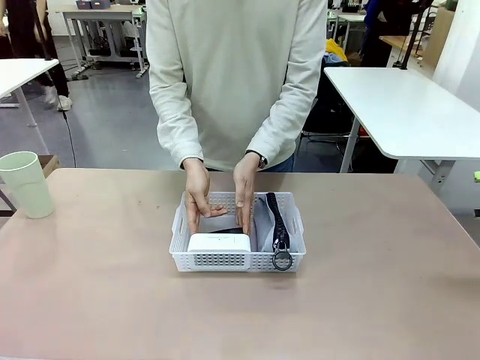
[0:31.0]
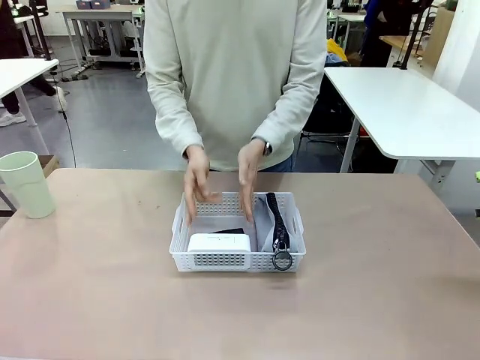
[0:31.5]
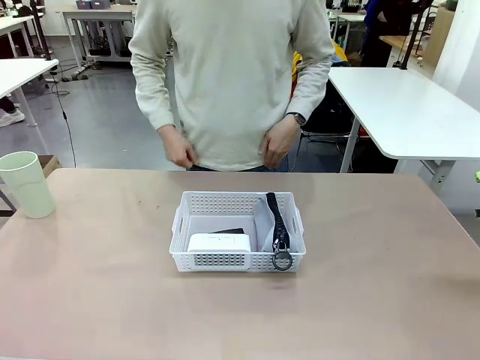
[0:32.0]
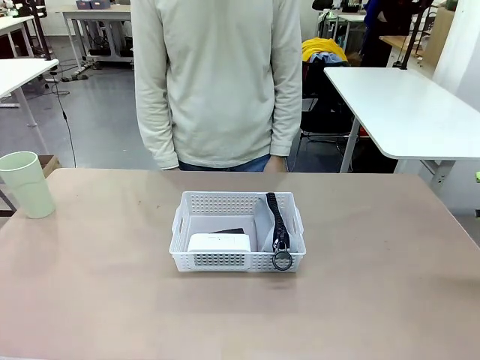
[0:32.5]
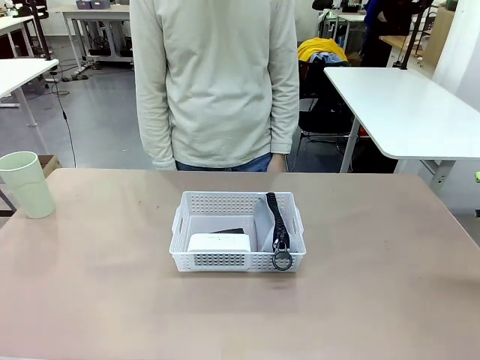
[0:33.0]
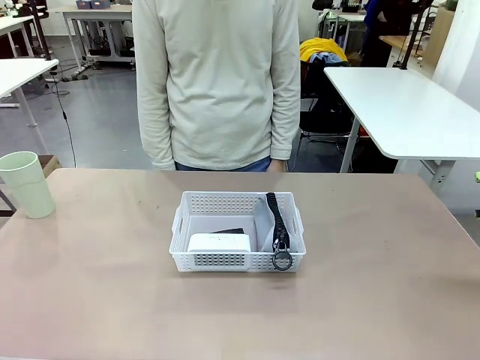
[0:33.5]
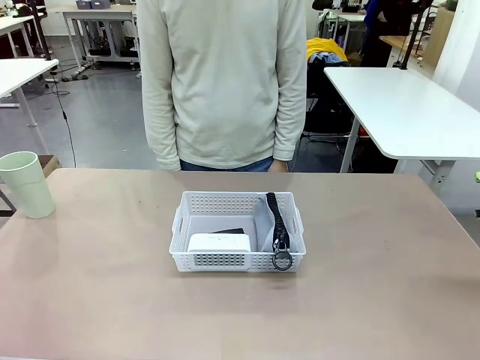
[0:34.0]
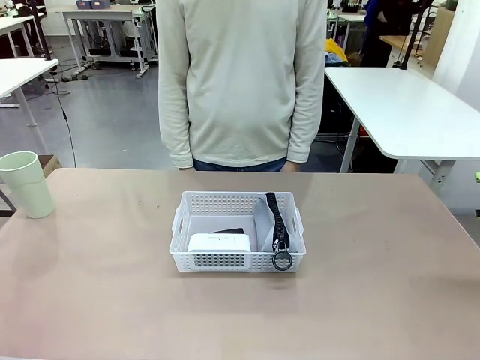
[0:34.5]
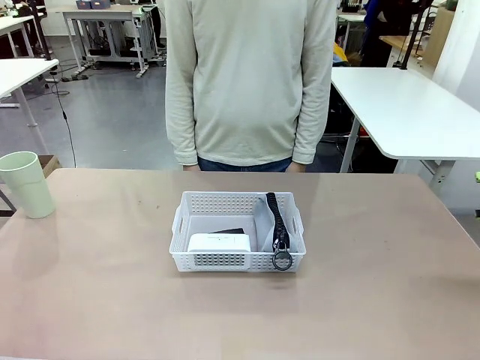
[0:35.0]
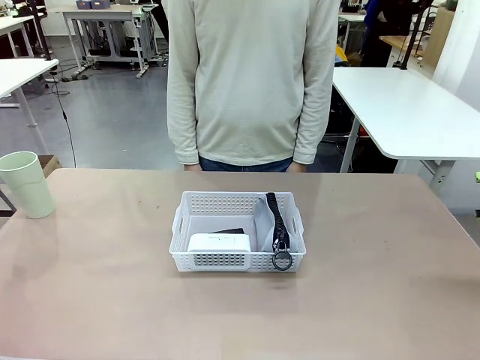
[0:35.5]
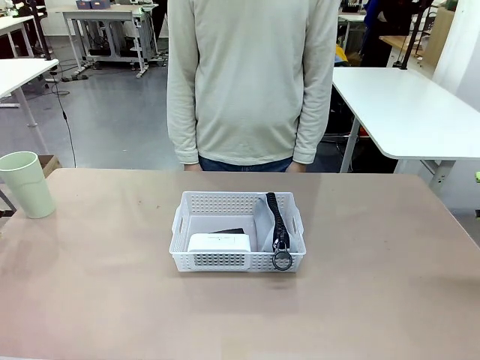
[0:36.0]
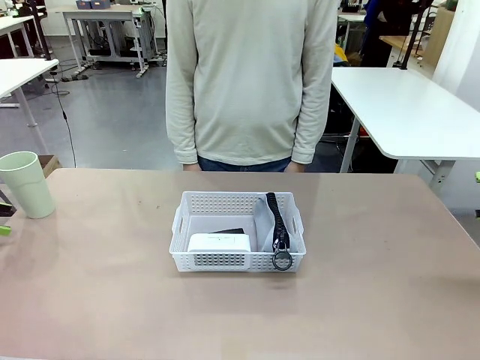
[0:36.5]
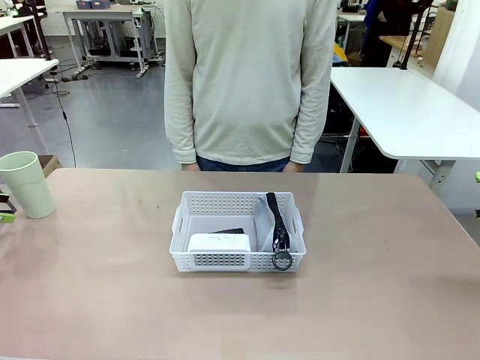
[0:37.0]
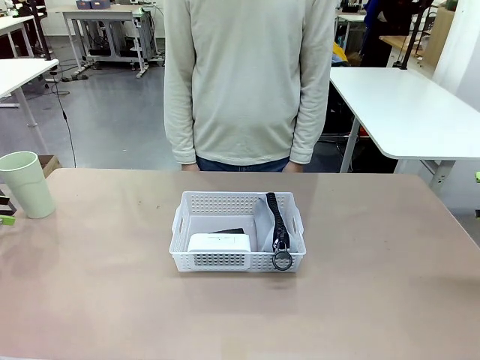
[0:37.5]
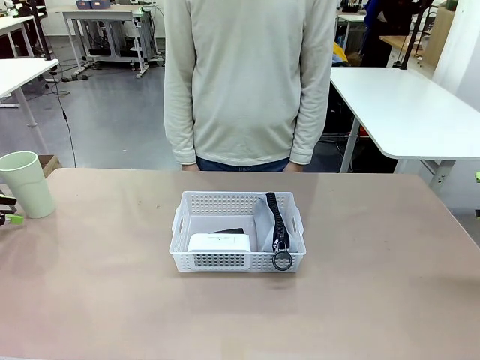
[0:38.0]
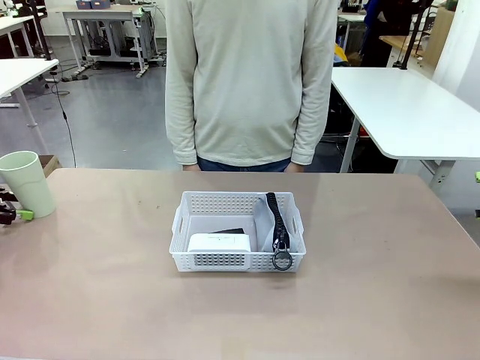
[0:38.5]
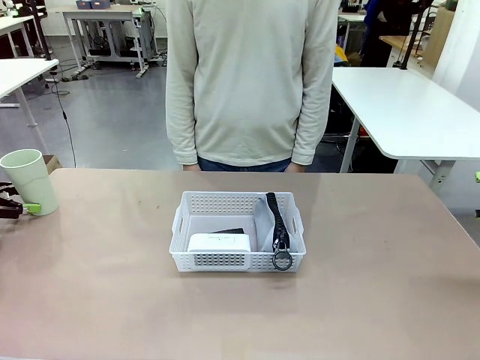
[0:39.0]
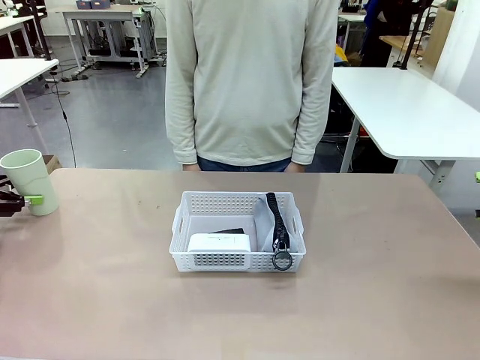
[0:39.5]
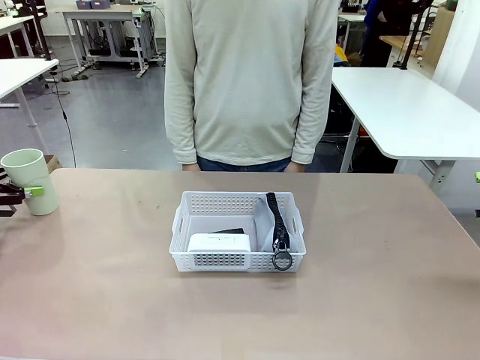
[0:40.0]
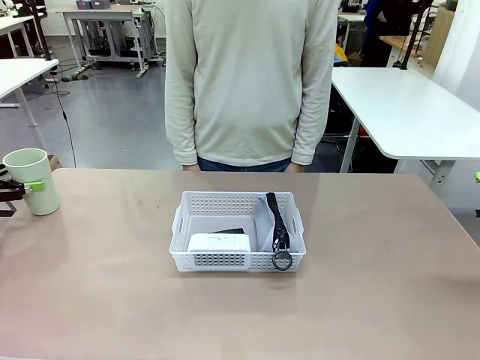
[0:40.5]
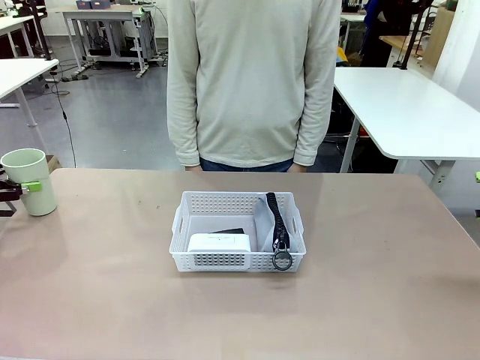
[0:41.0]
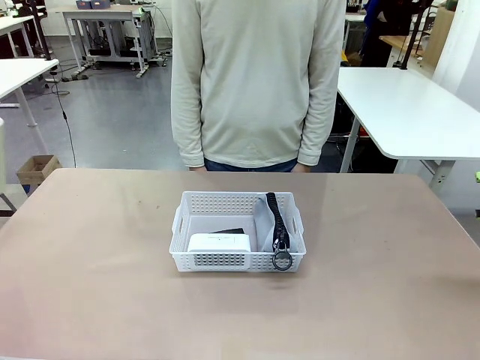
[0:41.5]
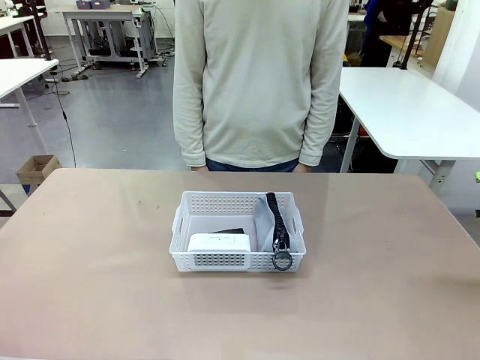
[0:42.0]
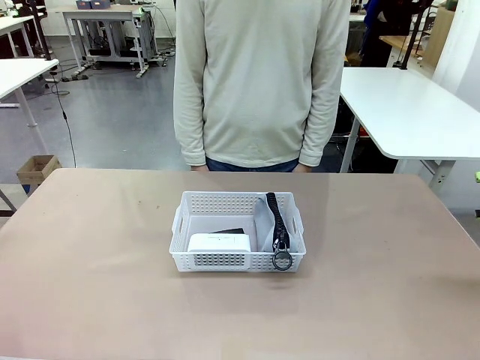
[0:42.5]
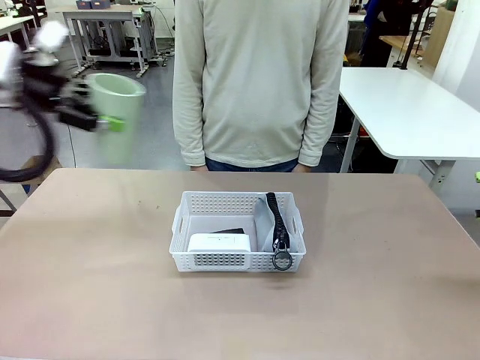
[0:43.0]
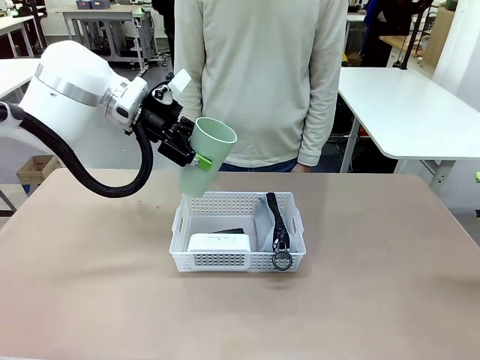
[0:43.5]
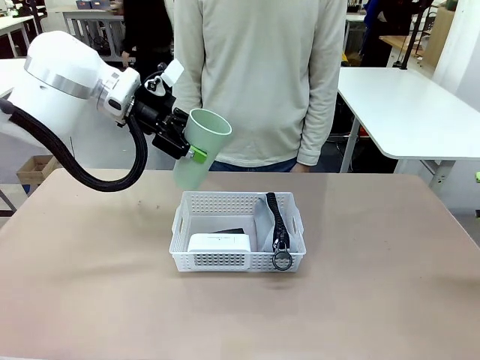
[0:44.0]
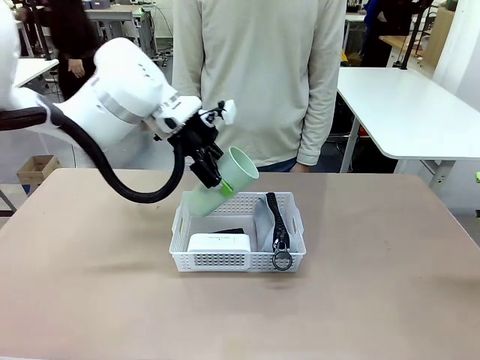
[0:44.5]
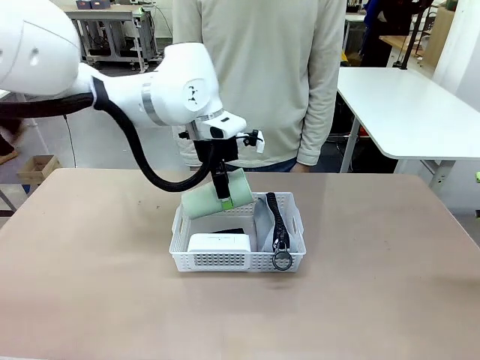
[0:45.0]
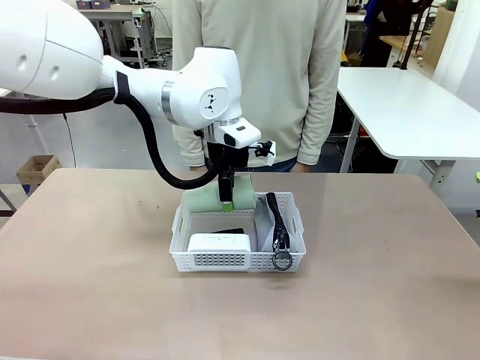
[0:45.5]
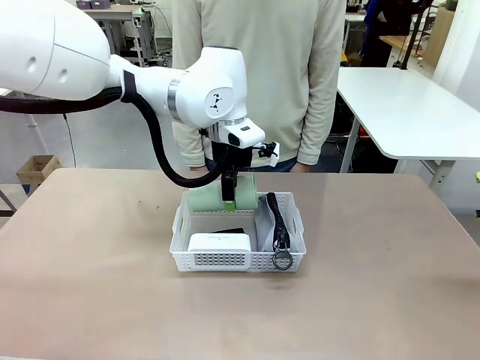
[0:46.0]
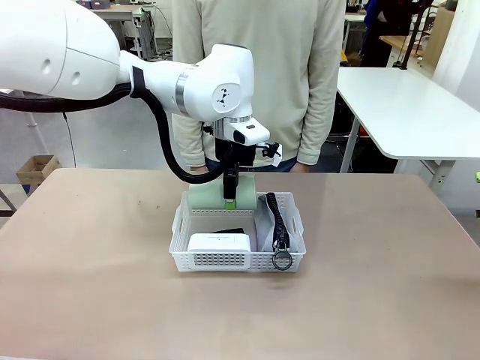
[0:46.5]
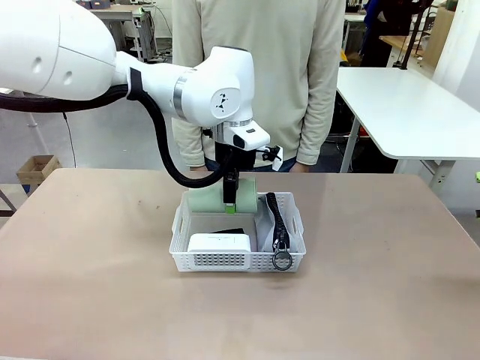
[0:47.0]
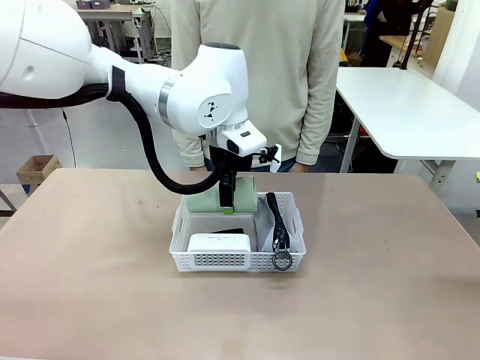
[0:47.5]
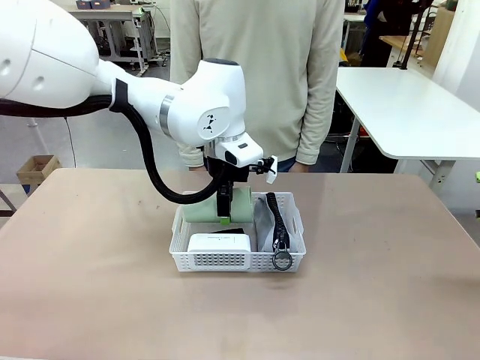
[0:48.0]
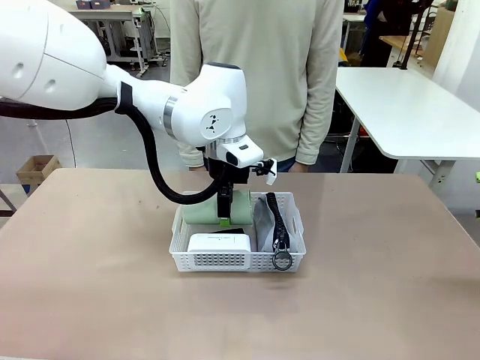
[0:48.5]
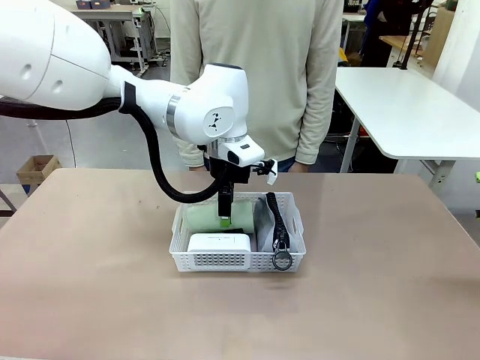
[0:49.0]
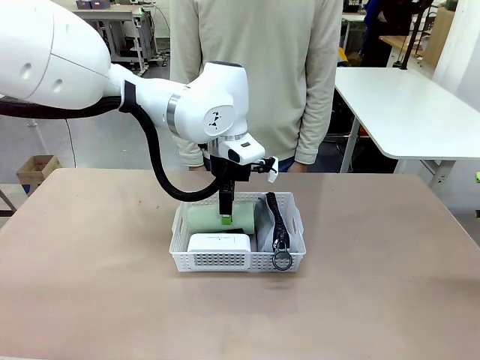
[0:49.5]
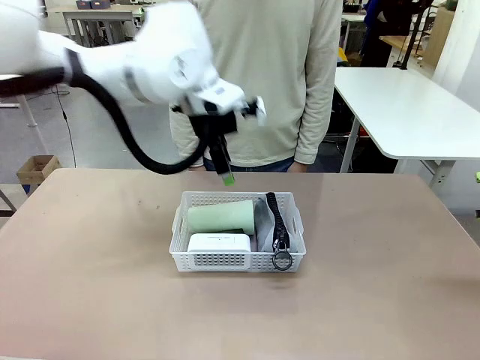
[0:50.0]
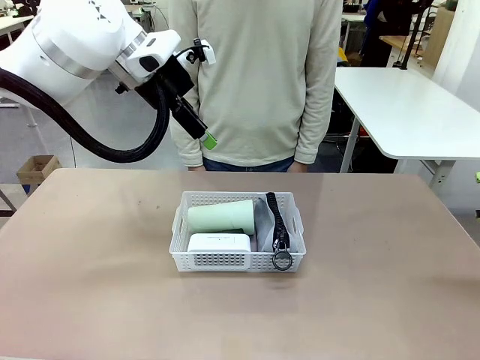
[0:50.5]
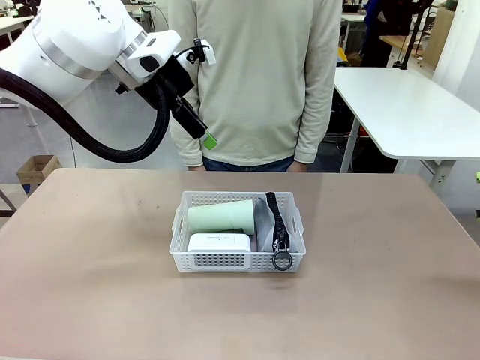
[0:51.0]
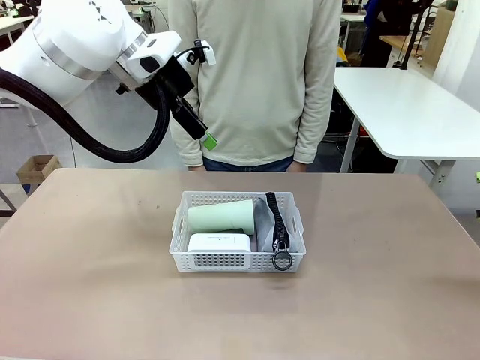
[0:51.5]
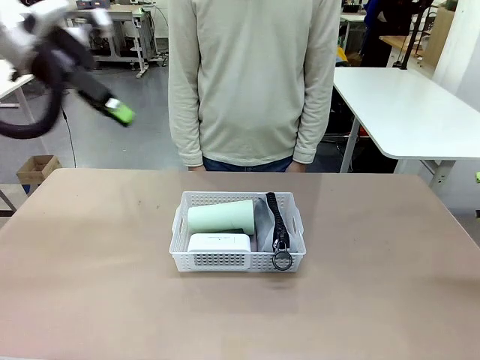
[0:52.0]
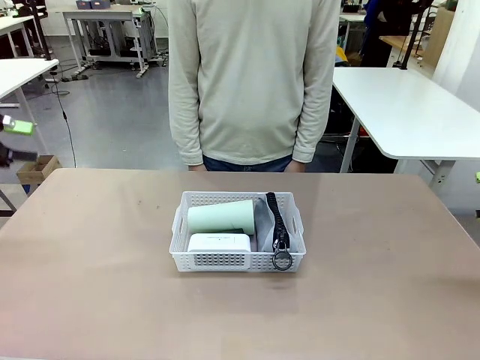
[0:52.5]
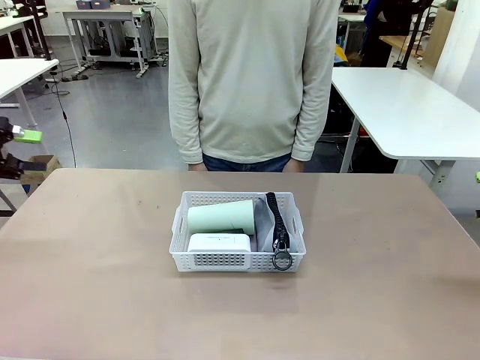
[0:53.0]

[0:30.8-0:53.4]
Task: Efficiently arrange items inside the basket to fit them all.
Robot: Pick up the Reusable plastic cup and place it inside the Organizing basket.
Person: Repositions the stapler.
